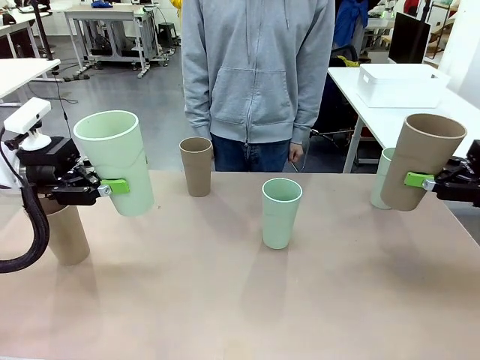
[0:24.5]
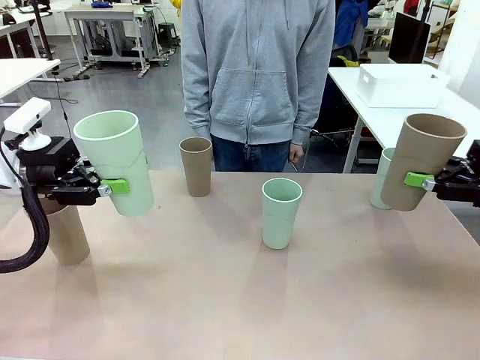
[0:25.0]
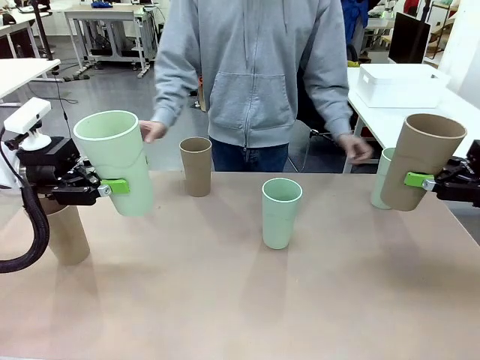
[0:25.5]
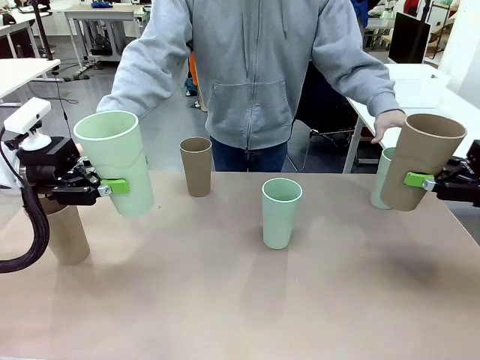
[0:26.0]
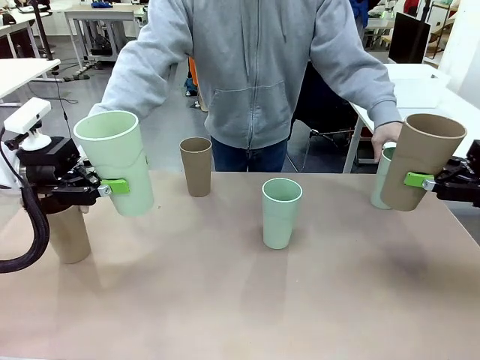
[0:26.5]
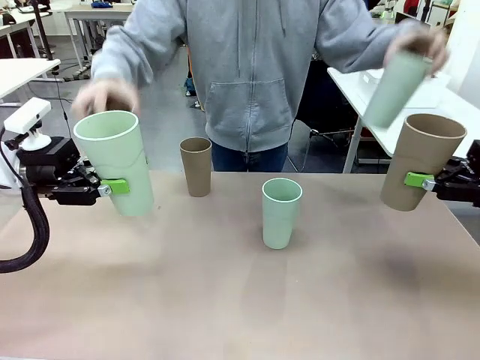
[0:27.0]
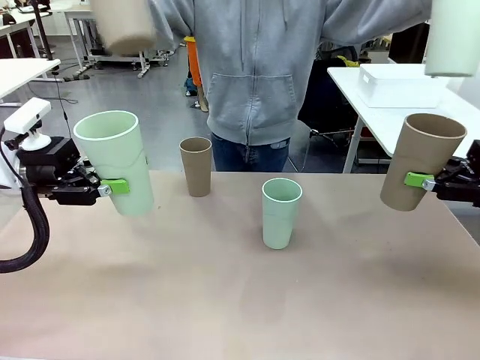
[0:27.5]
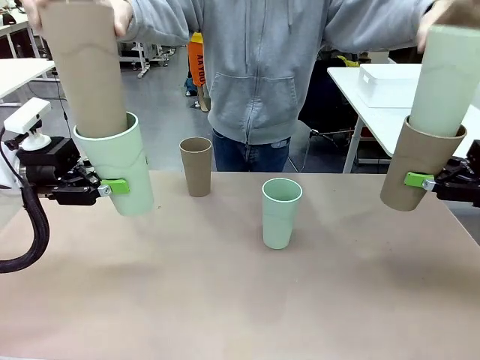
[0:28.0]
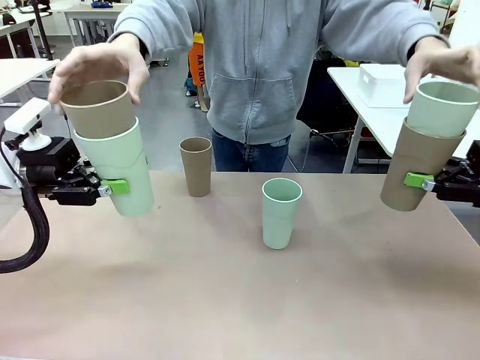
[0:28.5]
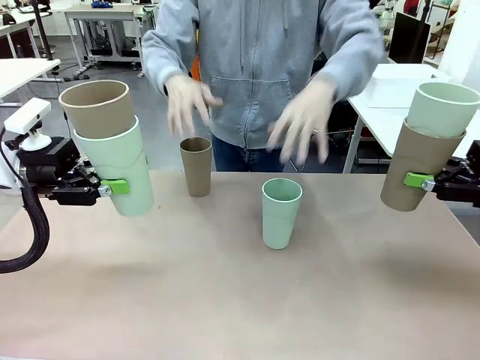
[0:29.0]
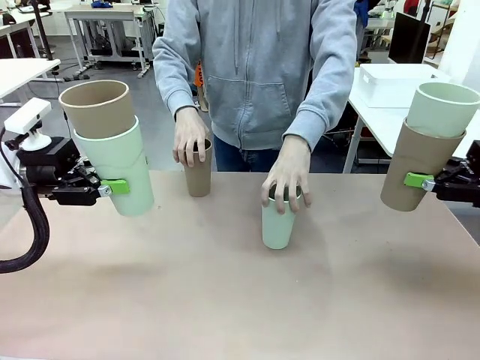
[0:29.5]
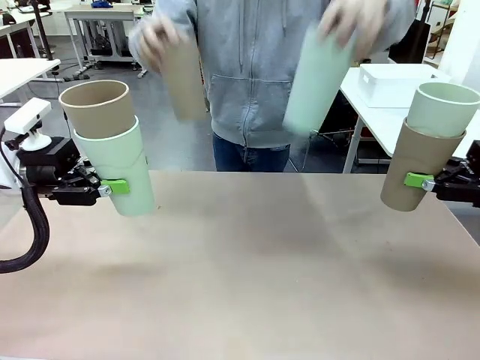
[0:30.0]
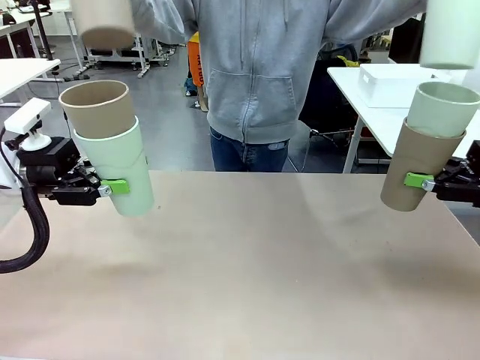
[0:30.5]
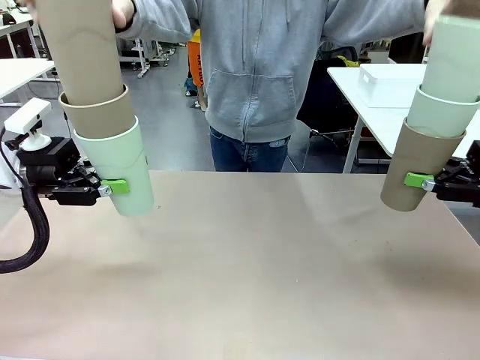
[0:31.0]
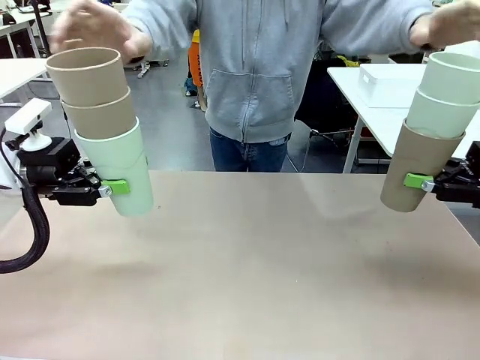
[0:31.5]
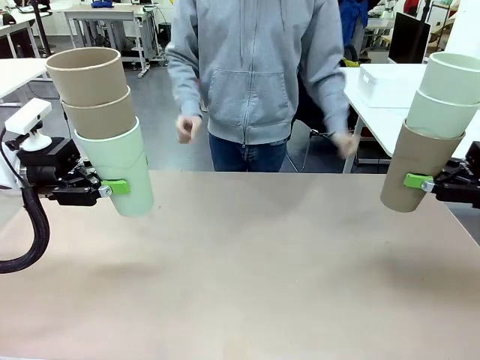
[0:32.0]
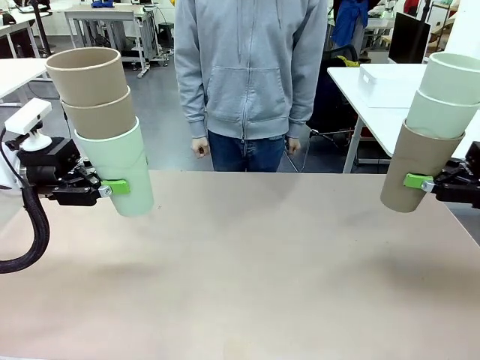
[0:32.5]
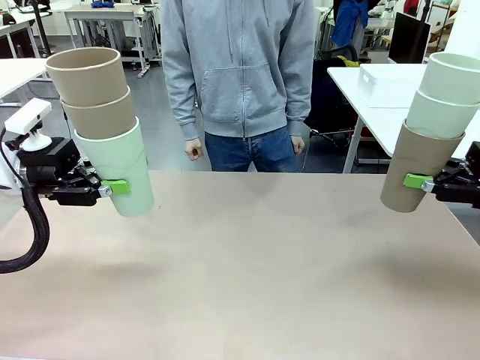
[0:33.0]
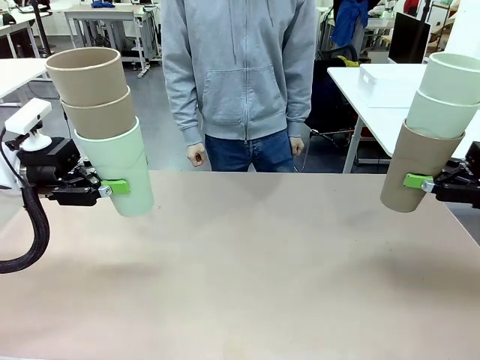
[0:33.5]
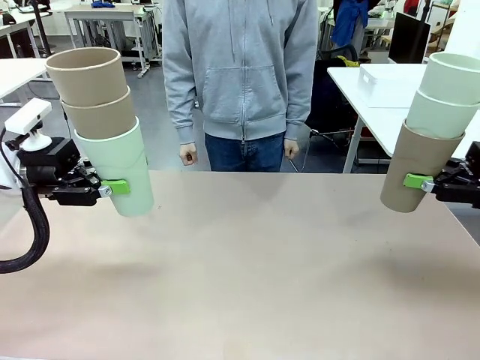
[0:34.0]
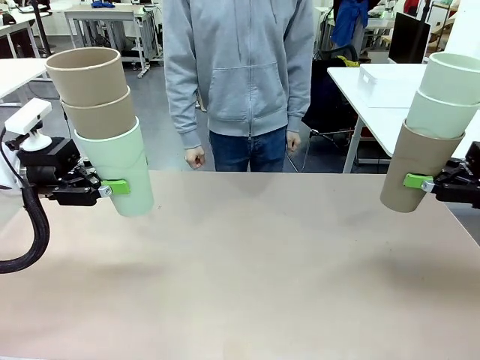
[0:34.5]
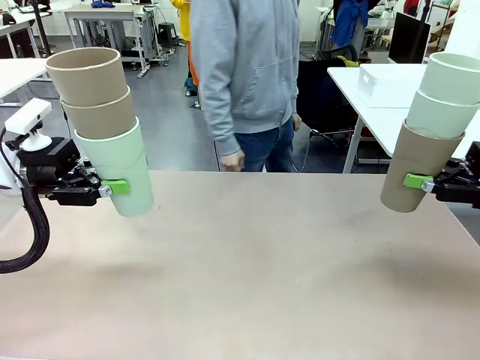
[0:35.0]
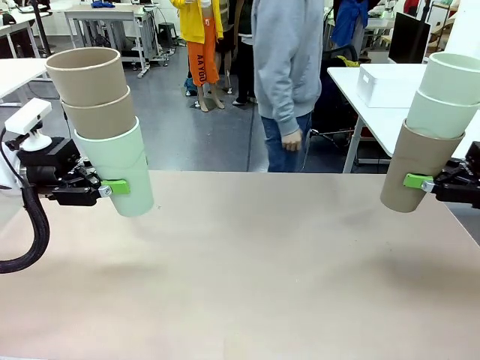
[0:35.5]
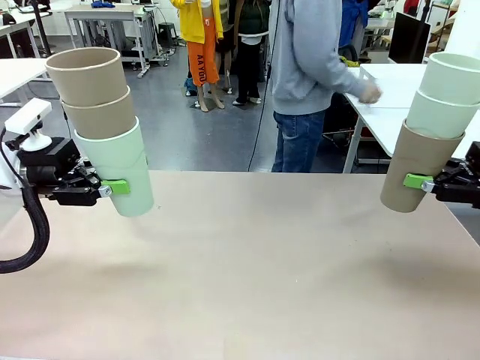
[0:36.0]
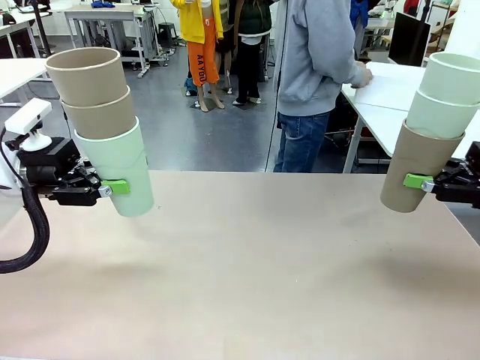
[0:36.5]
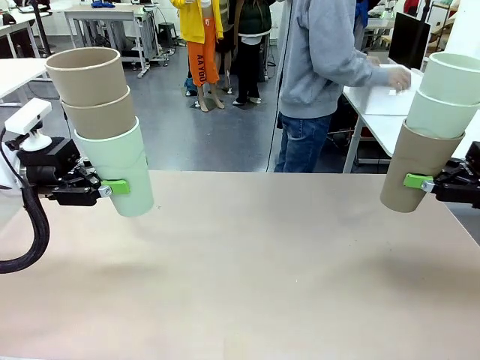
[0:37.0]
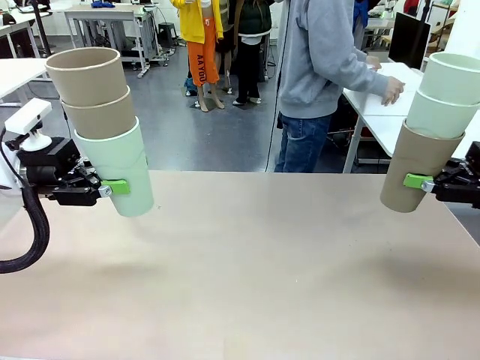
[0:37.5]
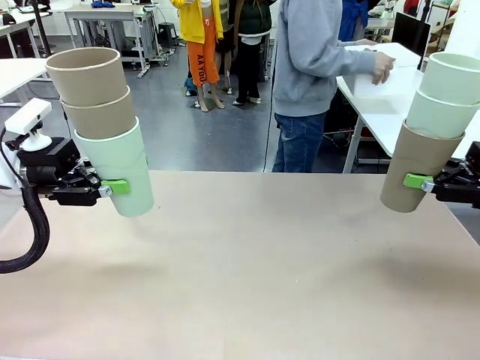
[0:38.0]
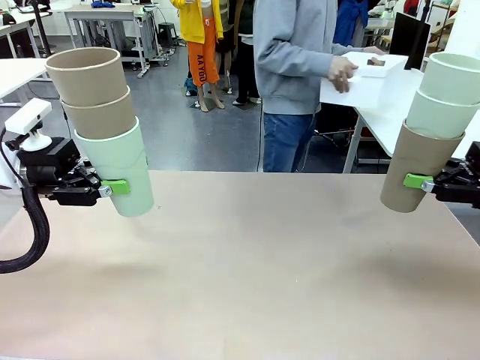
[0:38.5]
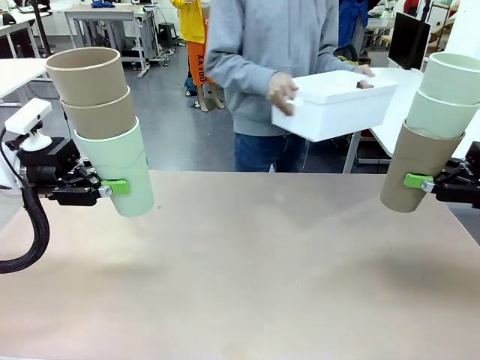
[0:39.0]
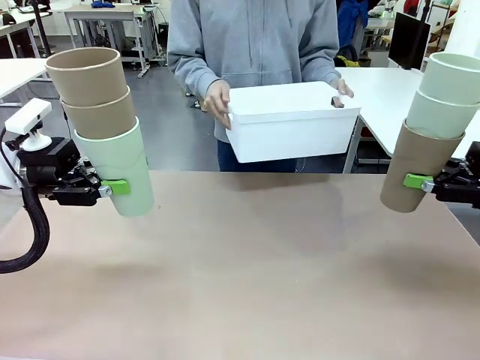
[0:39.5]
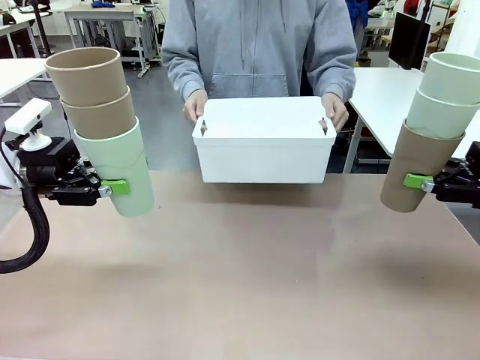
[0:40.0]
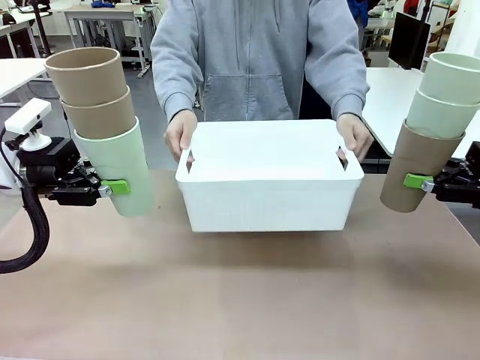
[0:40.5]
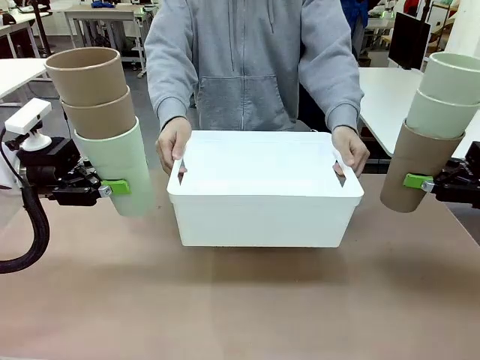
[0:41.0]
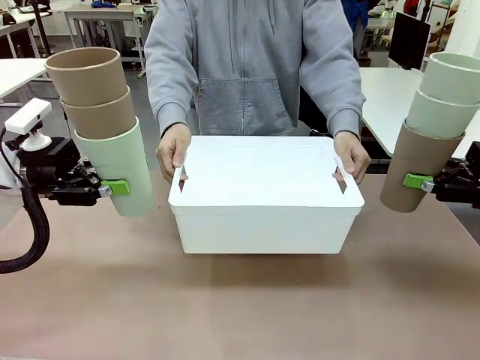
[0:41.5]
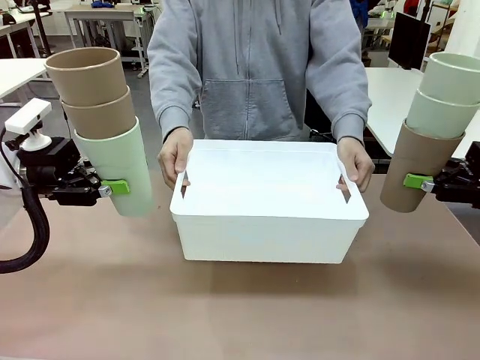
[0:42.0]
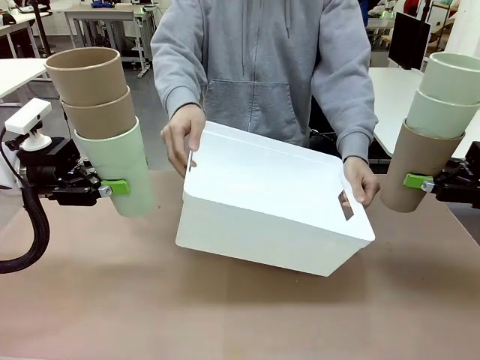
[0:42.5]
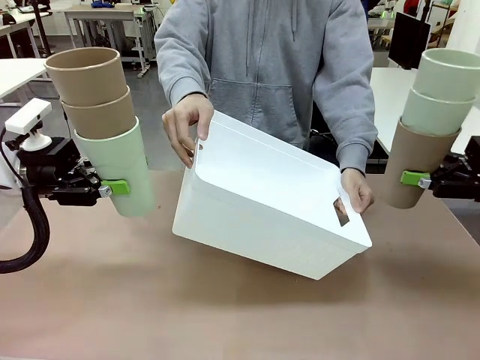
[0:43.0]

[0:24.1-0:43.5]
Task: Stack the cups and store them in the basket.
Robot: Place the stack of Reusable plastic cups into the Pantry Basket.
Person: Pick up the basket from the Human Table, bring it to the front of the robot, and present it.

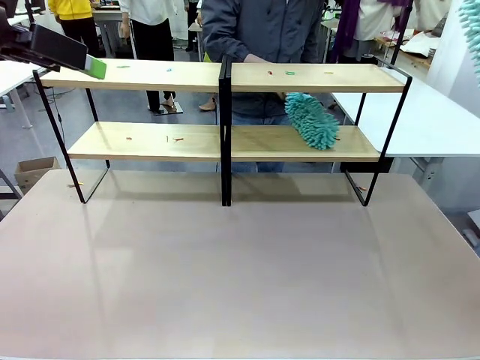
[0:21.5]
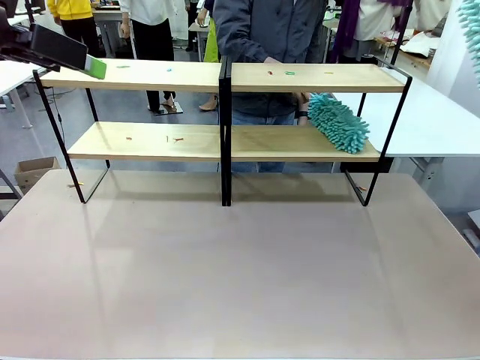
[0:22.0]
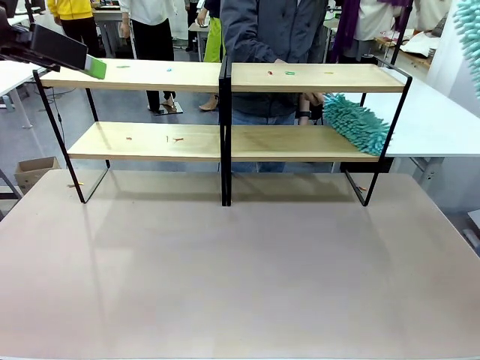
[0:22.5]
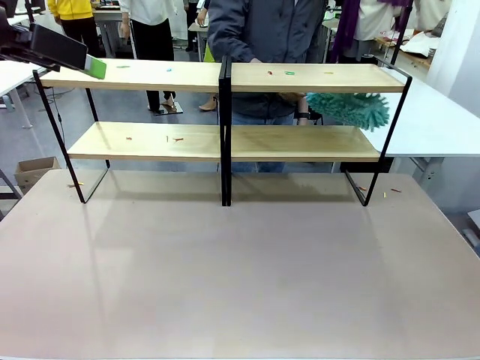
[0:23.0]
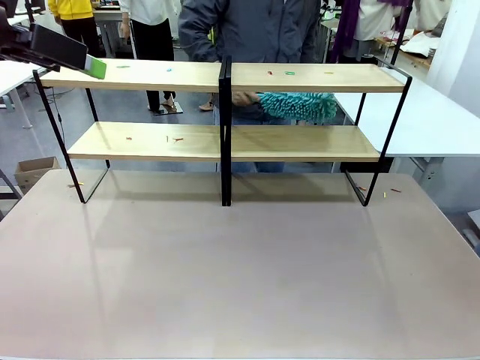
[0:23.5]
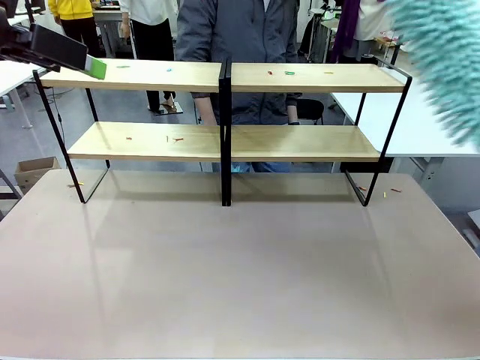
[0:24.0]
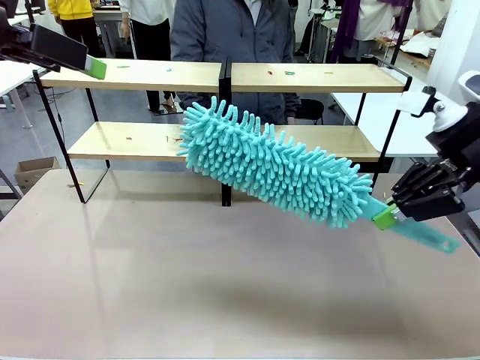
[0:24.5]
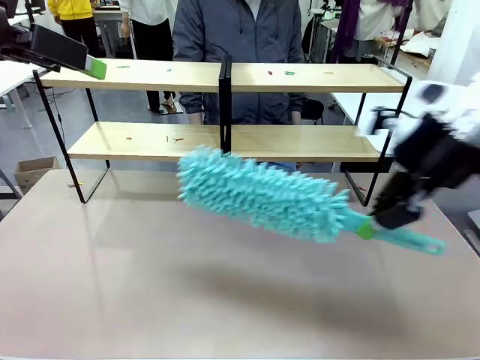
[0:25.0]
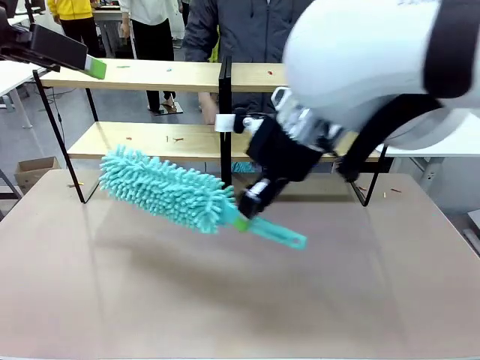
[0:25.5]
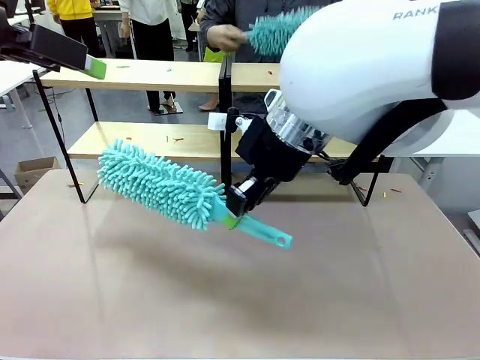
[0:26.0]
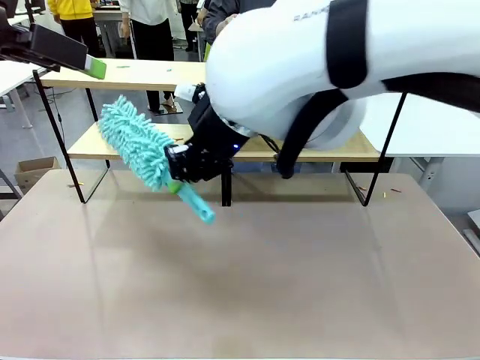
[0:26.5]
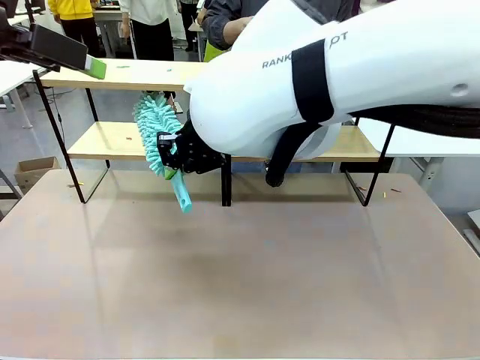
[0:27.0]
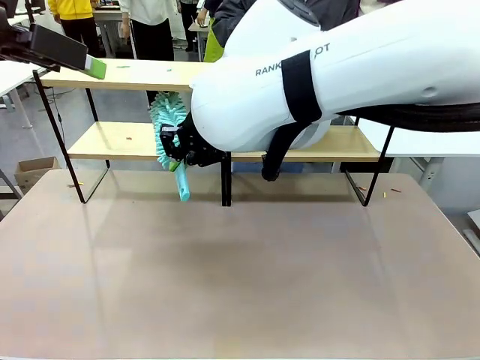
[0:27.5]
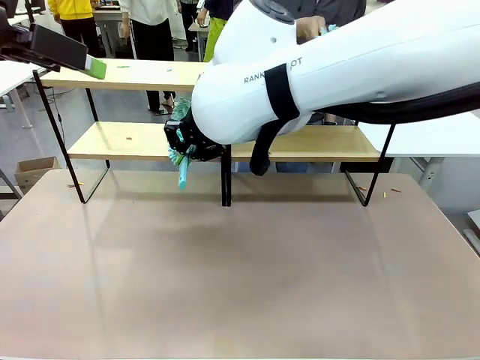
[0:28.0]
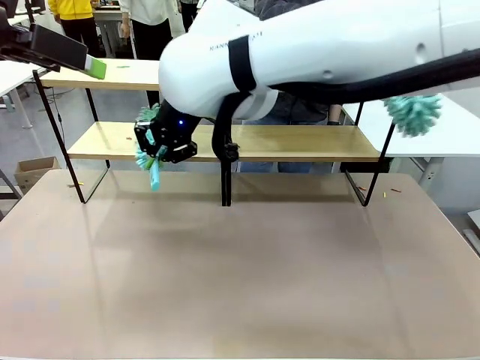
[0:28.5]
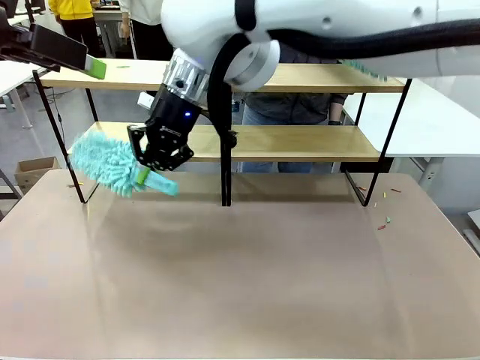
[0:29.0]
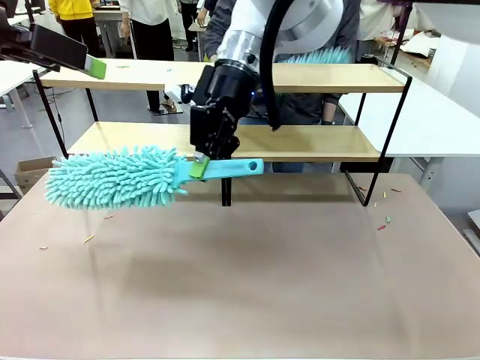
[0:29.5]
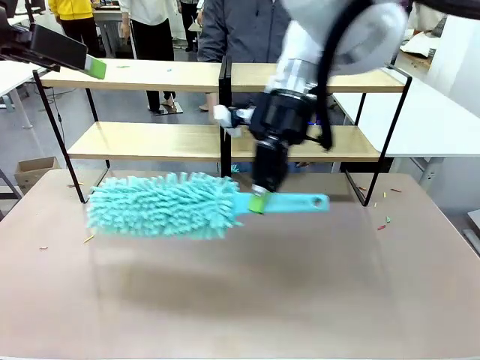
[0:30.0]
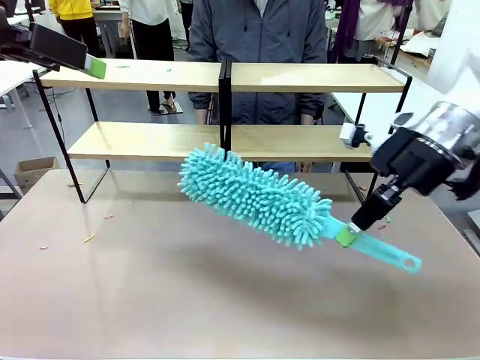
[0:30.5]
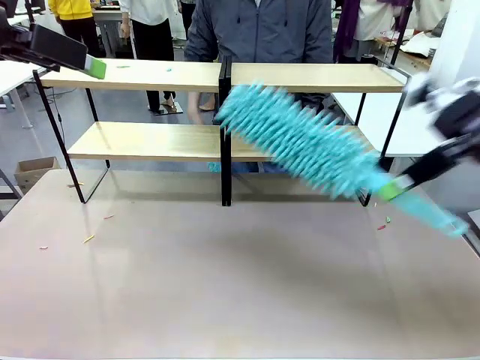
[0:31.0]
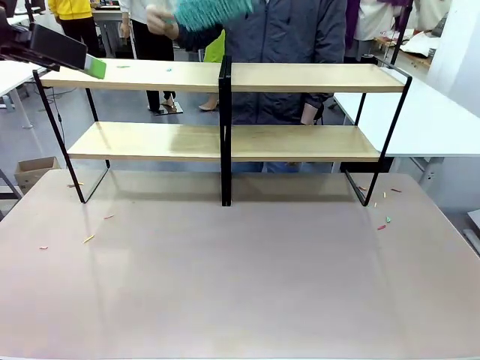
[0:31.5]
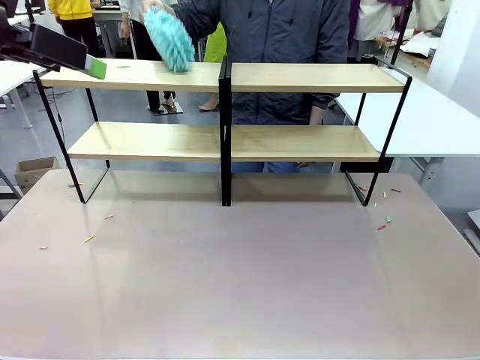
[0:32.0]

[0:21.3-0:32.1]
Task: Clean the shelves.
Robot: Clean another randomly selected level of the Shelf with the Duster.
